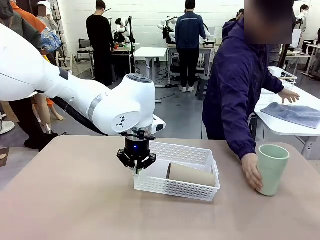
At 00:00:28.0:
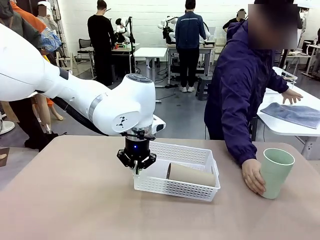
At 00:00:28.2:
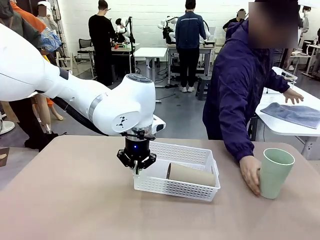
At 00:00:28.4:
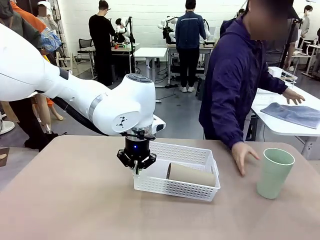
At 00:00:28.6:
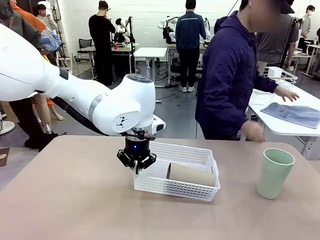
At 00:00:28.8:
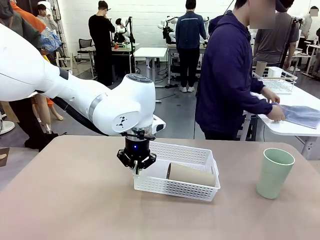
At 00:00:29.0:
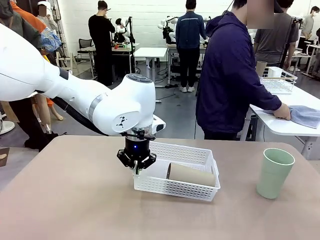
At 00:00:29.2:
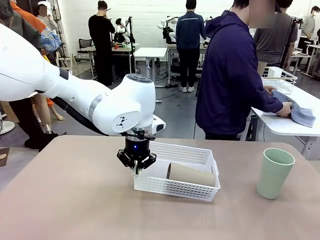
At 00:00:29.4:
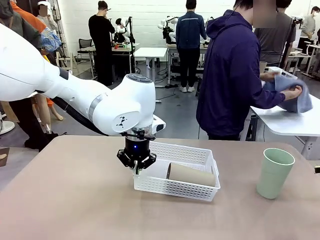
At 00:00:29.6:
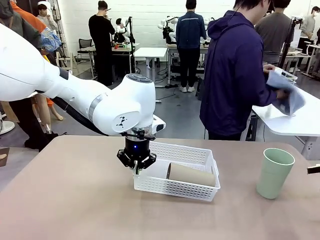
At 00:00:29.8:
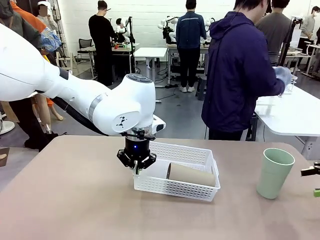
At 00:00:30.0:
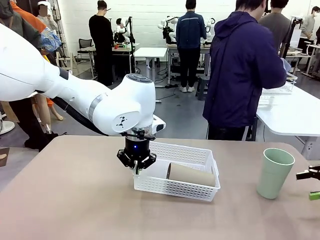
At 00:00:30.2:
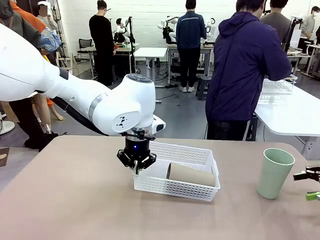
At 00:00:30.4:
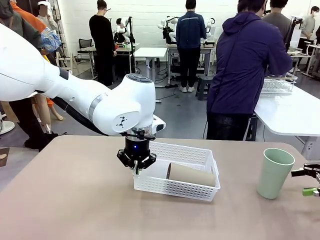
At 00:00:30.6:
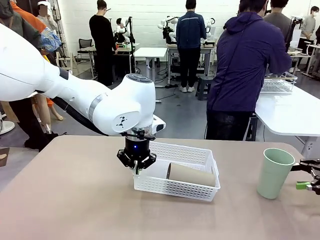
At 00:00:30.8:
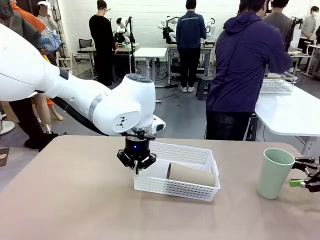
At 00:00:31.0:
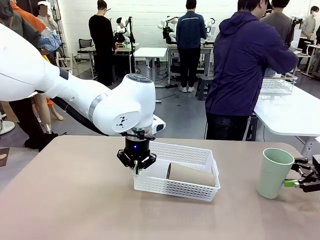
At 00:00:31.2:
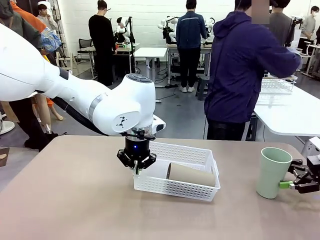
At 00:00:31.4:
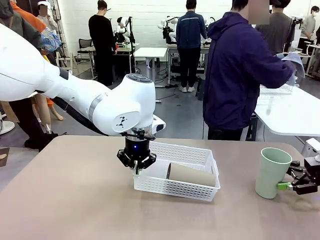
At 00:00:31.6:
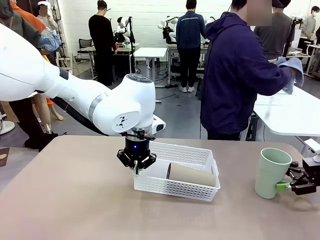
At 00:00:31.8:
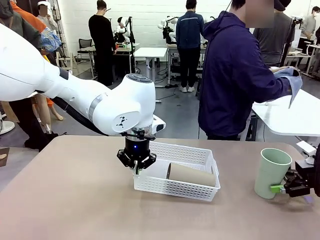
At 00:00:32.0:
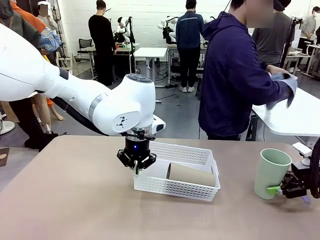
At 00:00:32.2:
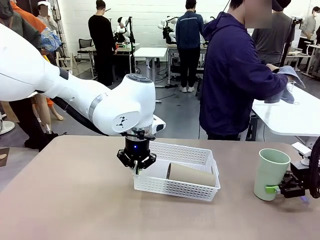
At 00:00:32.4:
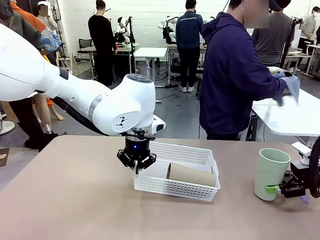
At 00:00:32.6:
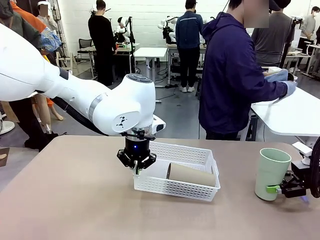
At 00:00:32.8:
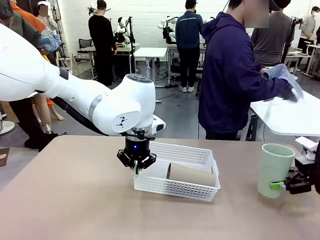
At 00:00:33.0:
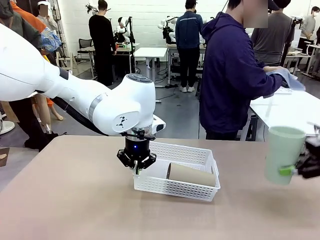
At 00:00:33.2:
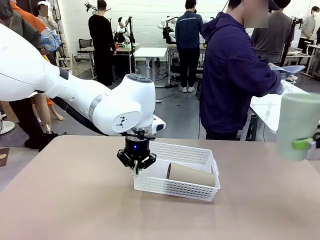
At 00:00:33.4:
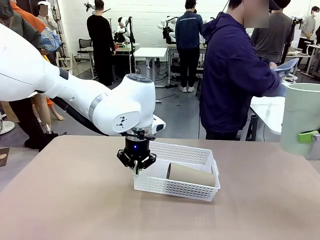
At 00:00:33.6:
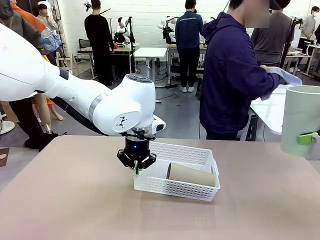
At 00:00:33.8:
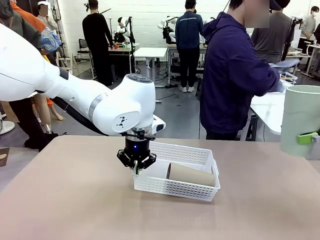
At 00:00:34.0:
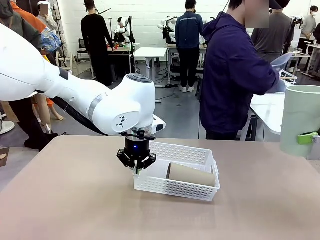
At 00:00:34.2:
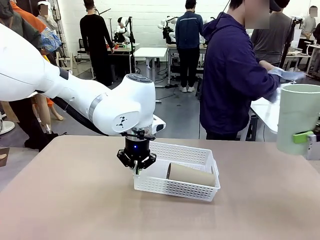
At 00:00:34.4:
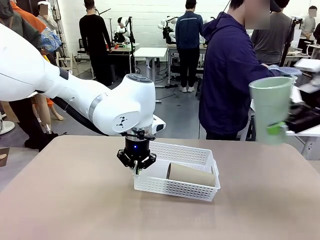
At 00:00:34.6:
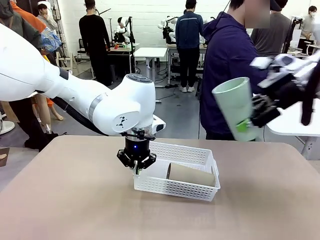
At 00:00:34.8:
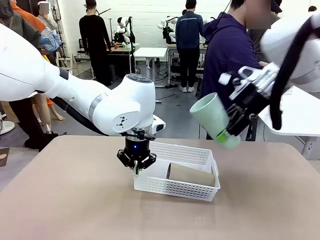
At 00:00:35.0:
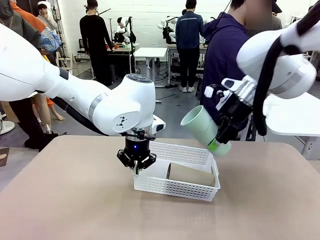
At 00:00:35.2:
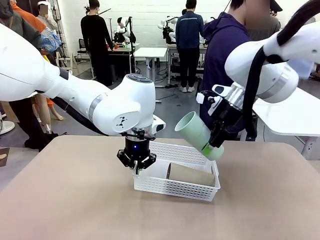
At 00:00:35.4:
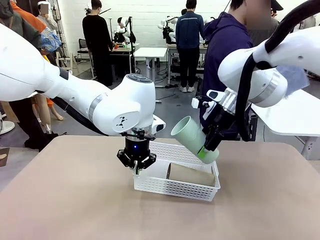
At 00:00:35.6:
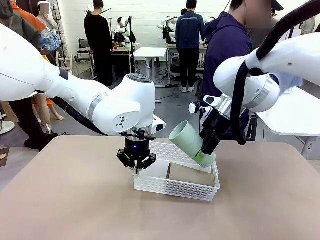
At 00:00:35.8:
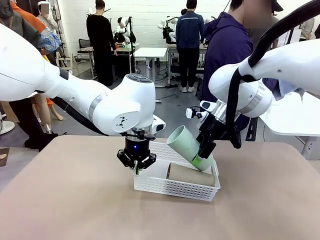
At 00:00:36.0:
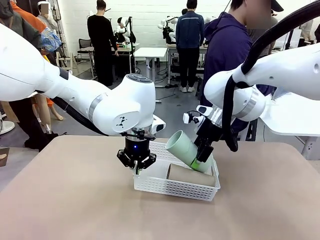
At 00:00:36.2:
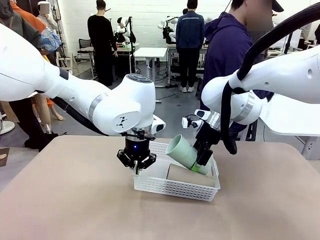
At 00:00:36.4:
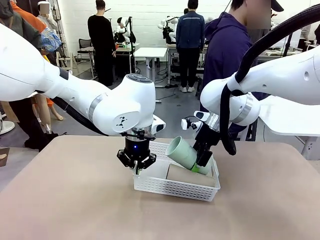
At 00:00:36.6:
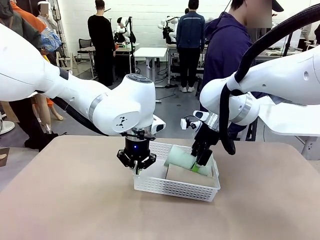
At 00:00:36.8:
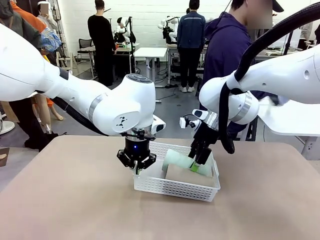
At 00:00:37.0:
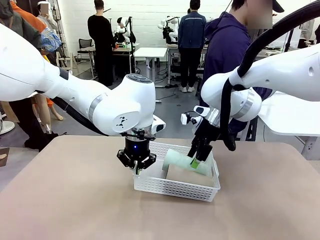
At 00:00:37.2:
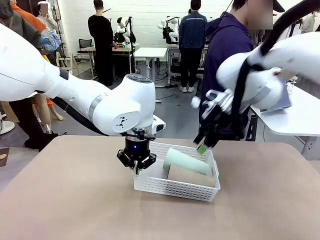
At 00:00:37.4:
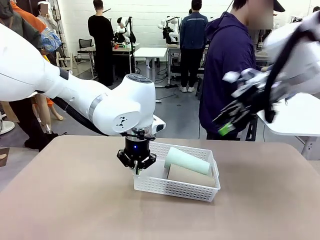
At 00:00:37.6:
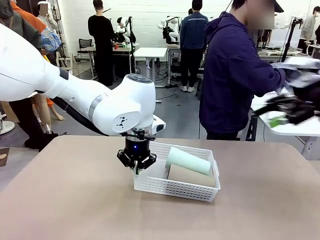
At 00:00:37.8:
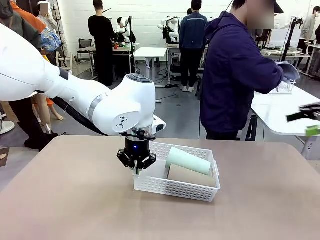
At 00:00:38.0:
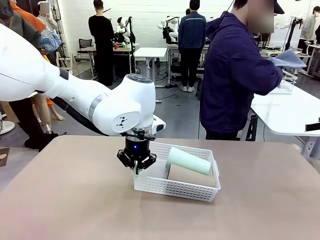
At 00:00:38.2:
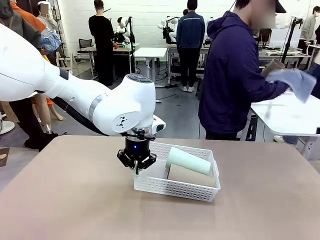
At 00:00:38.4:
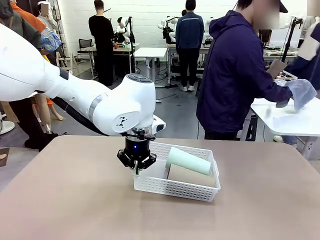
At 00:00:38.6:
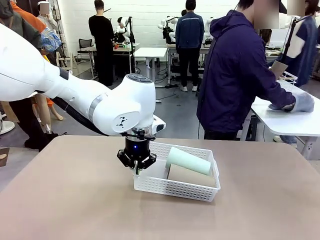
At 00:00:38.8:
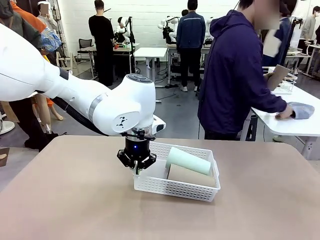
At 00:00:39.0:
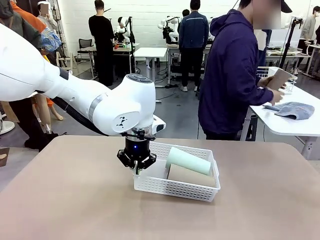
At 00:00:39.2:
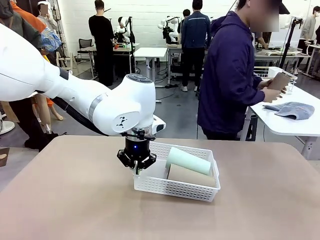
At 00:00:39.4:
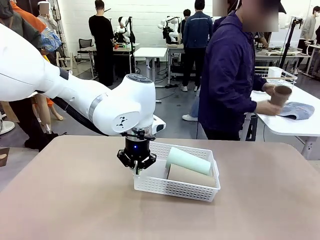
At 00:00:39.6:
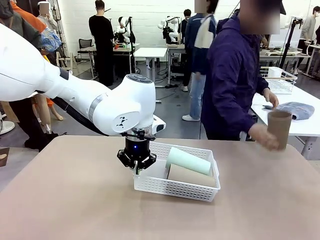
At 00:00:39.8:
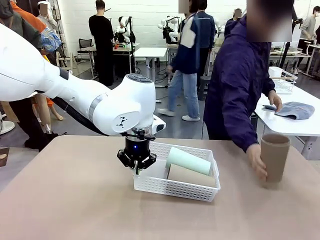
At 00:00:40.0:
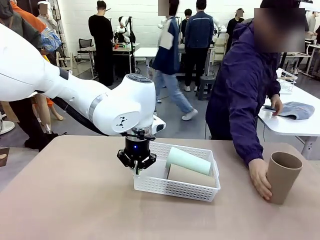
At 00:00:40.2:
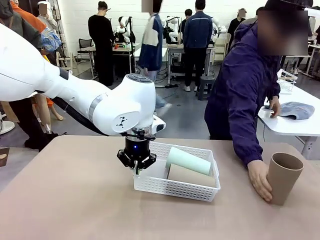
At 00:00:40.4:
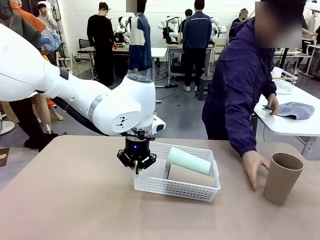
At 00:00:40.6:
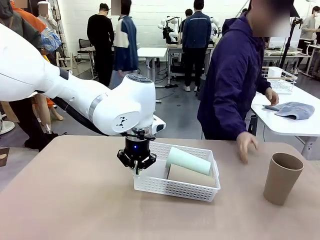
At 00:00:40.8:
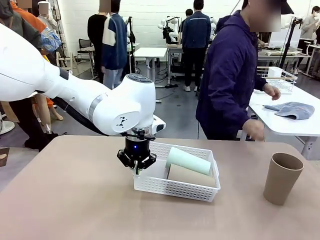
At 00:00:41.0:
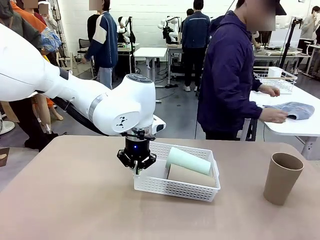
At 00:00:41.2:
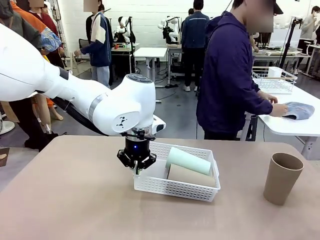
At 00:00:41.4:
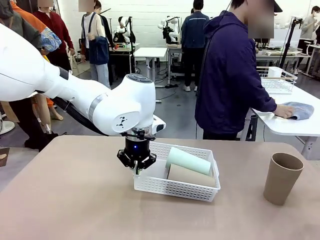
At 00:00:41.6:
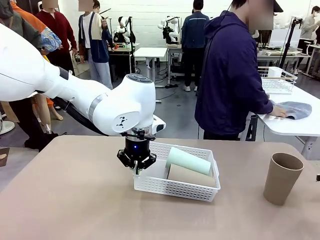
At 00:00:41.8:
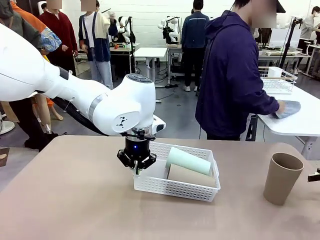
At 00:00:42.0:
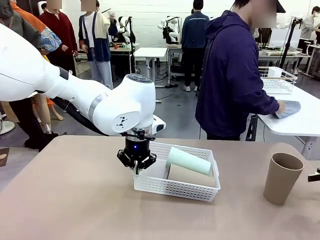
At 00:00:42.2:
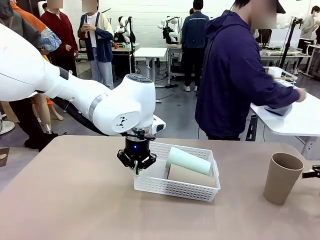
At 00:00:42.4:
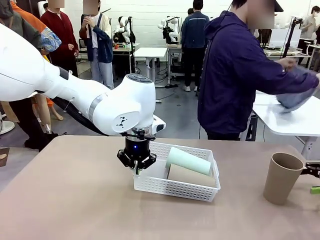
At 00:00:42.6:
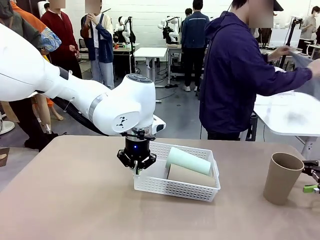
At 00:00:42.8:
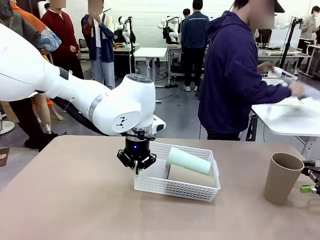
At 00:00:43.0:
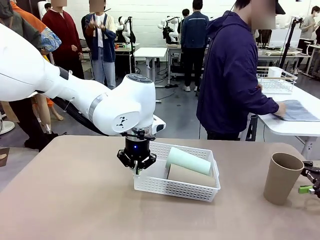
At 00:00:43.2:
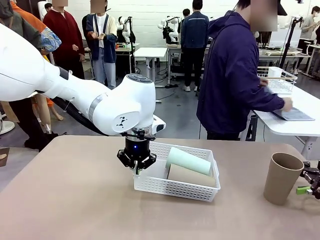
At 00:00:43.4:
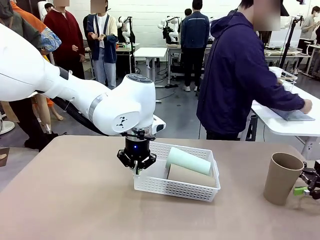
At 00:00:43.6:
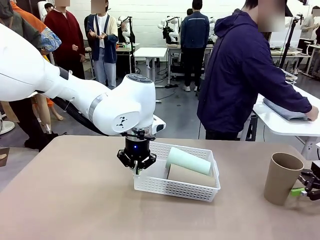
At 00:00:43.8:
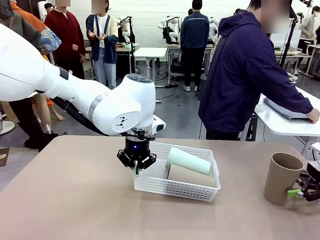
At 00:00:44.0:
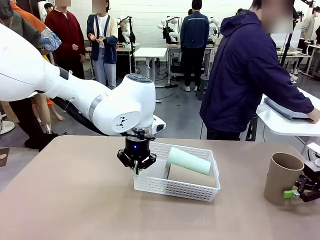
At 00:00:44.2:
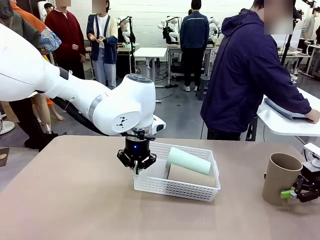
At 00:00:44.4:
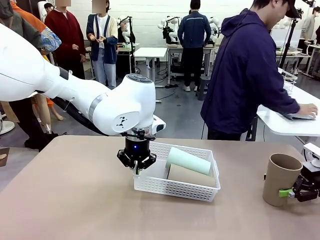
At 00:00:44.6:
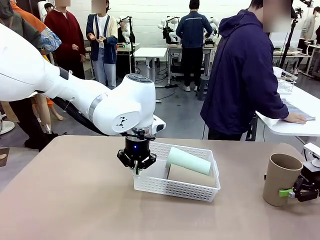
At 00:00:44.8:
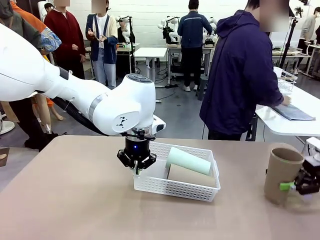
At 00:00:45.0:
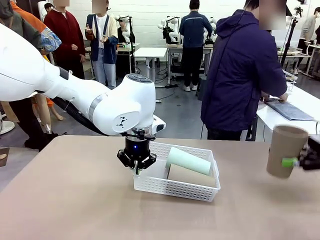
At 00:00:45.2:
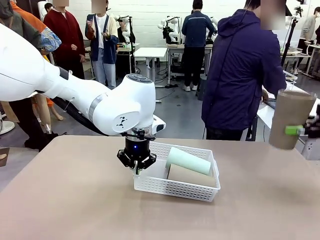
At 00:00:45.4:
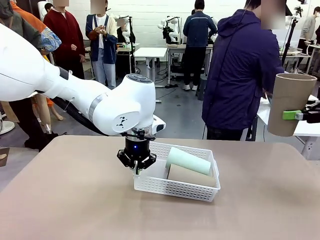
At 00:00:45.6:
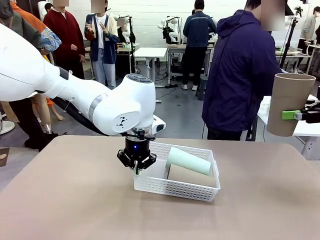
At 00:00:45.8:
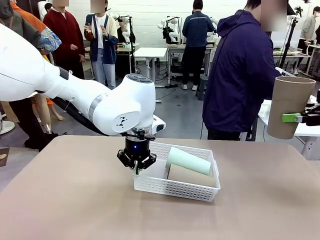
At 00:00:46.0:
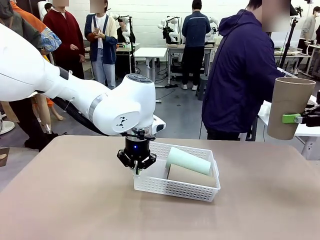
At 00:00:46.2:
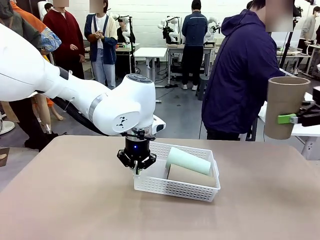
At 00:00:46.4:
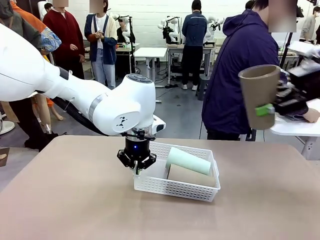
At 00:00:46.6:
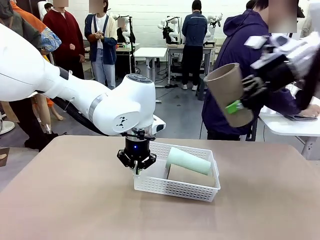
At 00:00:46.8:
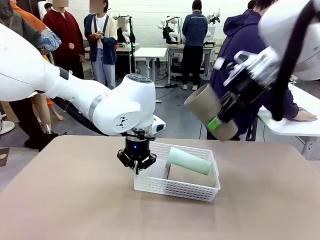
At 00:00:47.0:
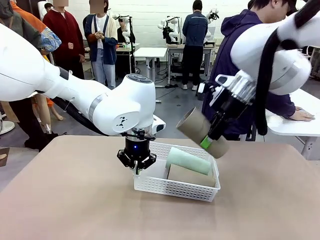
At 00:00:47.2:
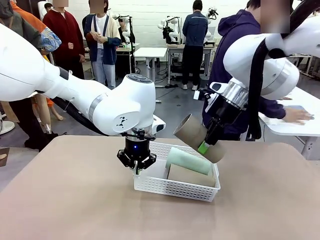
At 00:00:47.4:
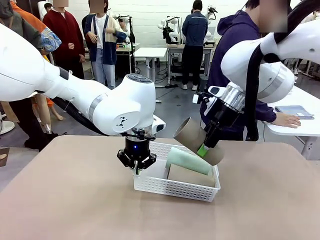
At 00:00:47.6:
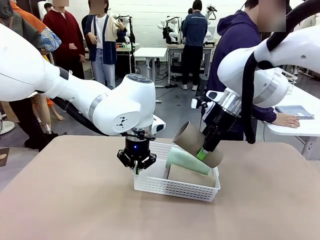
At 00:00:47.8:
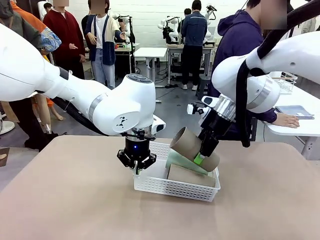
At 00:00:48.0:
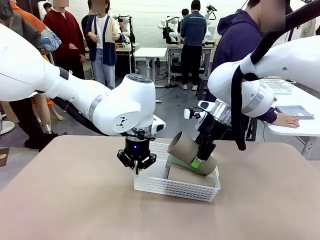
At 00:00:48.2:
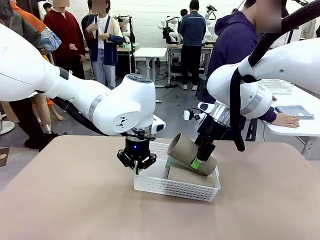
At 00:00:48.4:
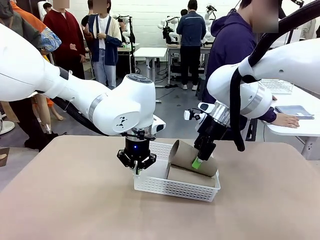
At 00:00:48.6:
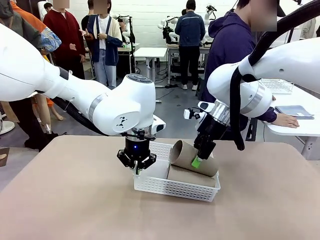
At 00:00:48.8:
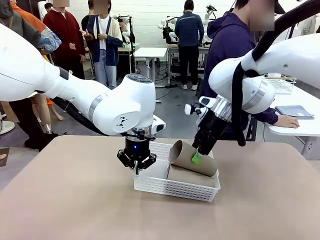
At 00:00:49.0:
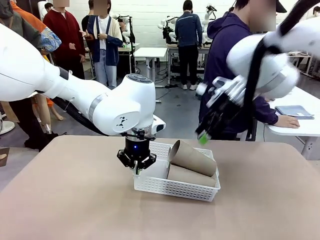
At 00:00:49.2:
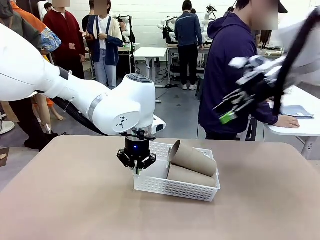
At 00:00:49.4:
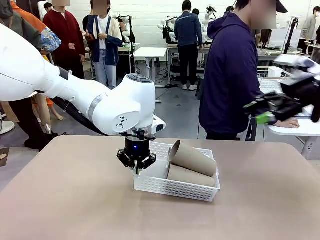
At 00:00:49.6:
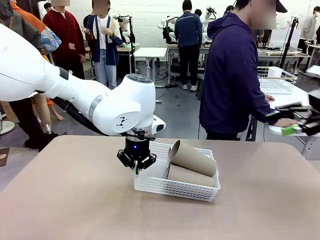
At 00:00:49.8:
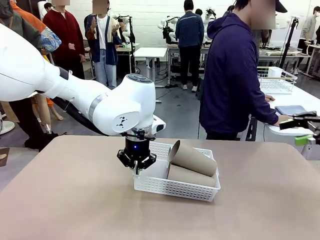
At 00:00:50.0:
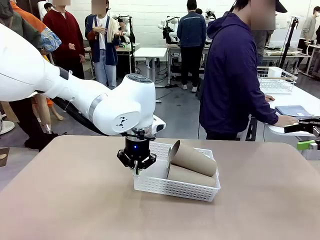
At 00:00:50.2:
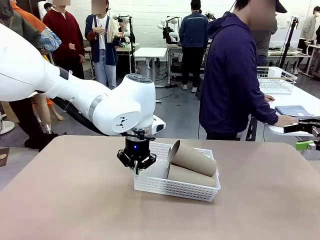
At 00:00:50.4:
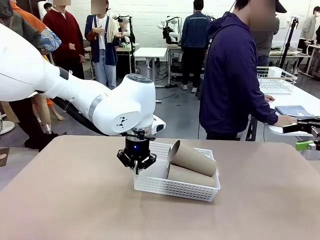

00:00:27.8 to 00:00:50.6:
Task: Clean and organize the cups into the basket.
Robot: Pick up the Reusable plastic cup from the right side of the table and stack it inside the Organizing basket in the center of the table.
